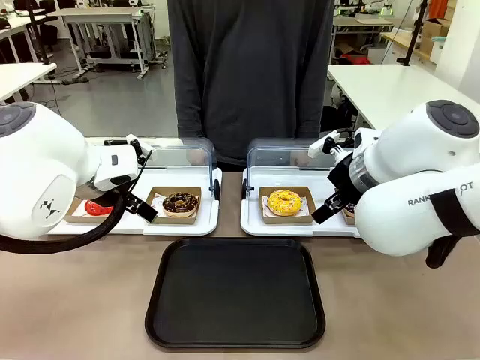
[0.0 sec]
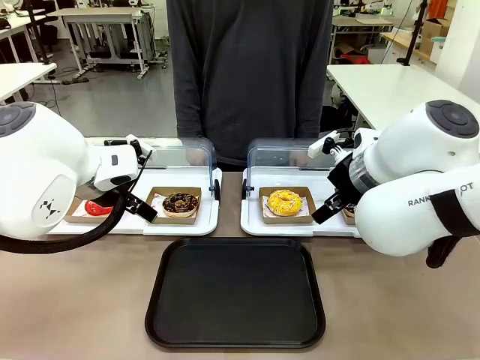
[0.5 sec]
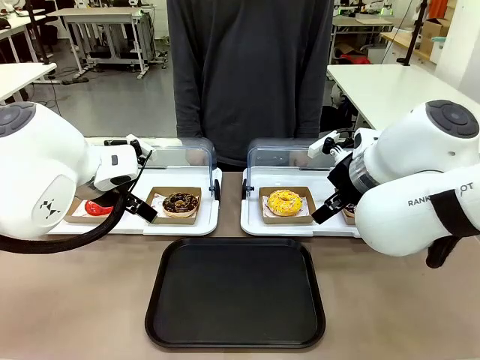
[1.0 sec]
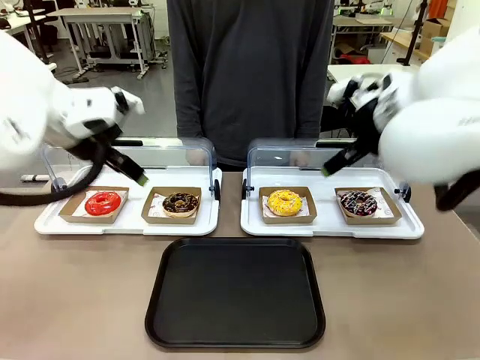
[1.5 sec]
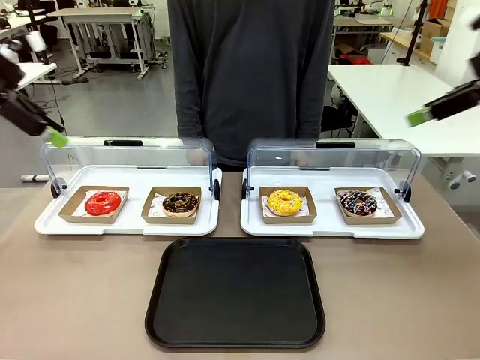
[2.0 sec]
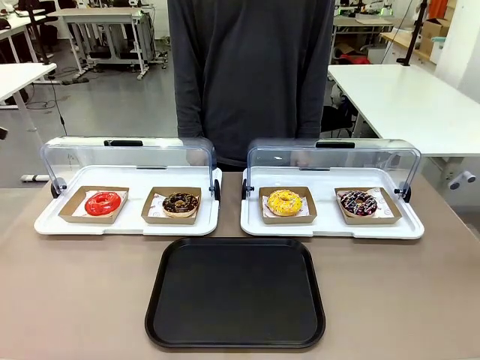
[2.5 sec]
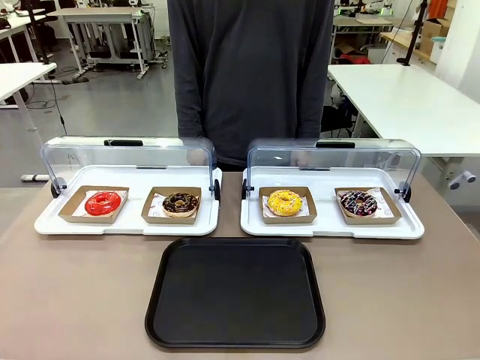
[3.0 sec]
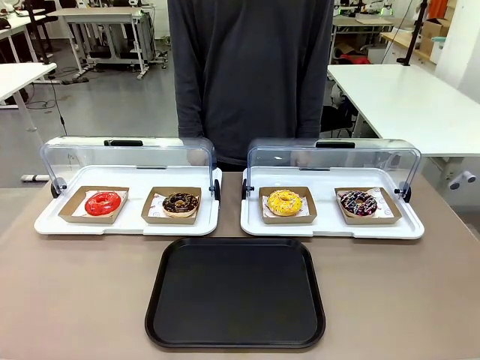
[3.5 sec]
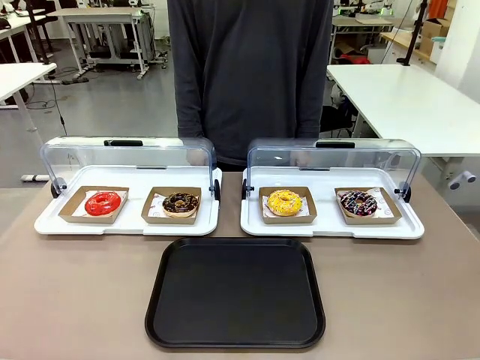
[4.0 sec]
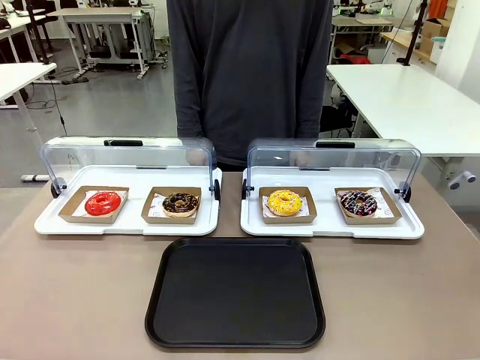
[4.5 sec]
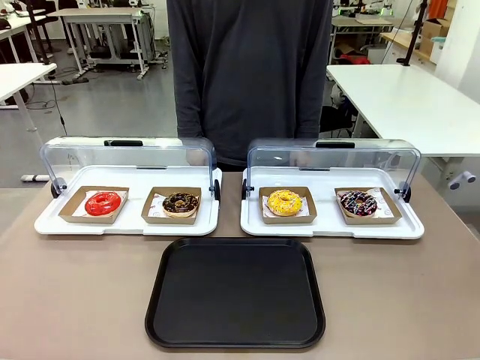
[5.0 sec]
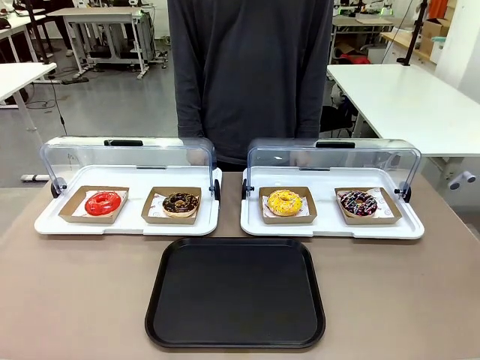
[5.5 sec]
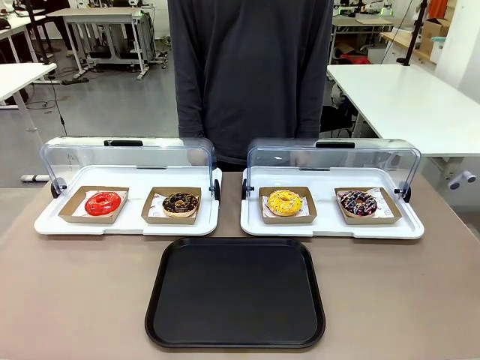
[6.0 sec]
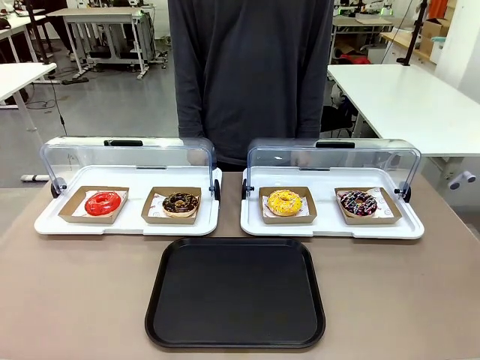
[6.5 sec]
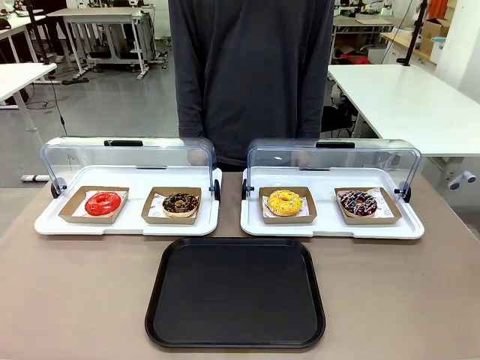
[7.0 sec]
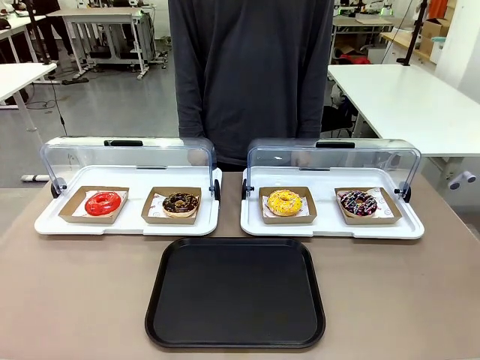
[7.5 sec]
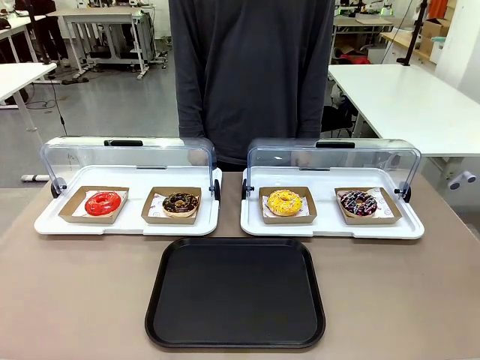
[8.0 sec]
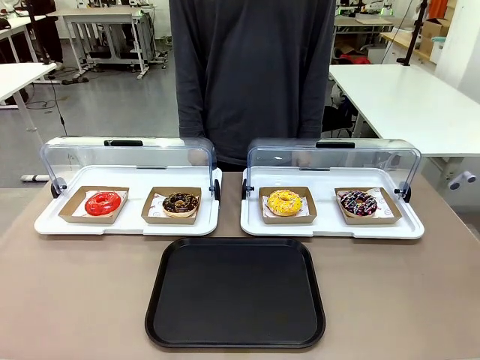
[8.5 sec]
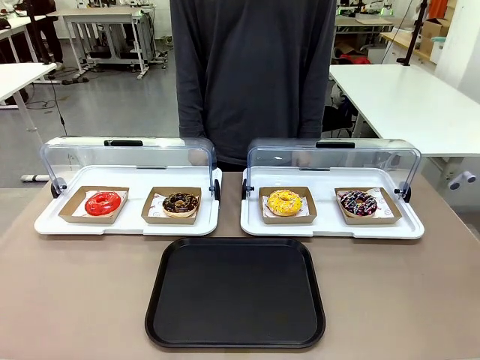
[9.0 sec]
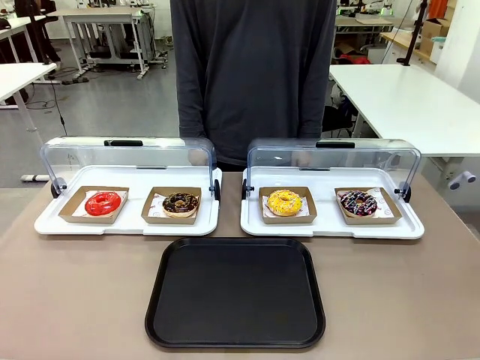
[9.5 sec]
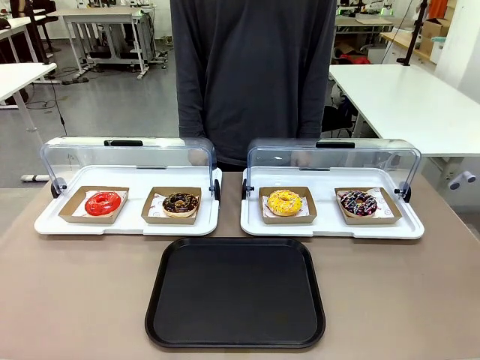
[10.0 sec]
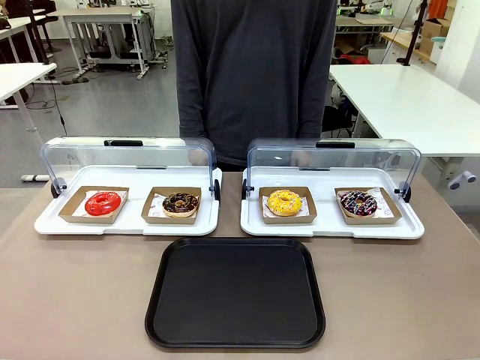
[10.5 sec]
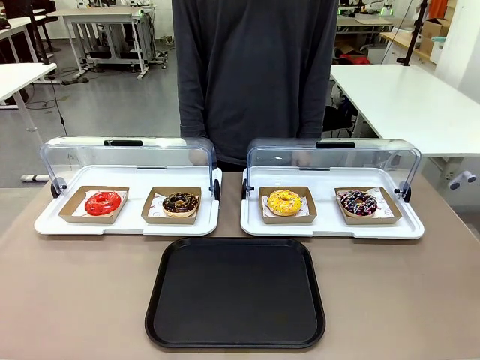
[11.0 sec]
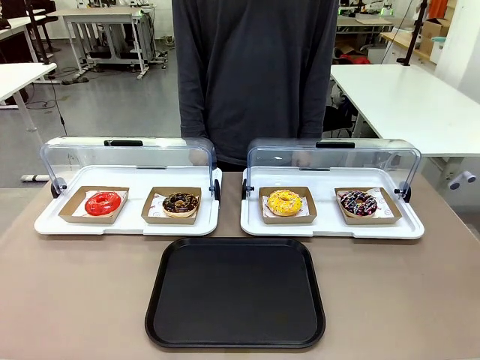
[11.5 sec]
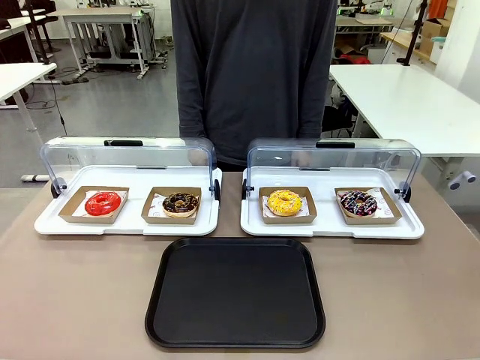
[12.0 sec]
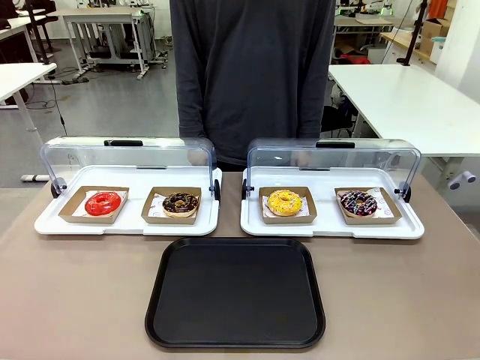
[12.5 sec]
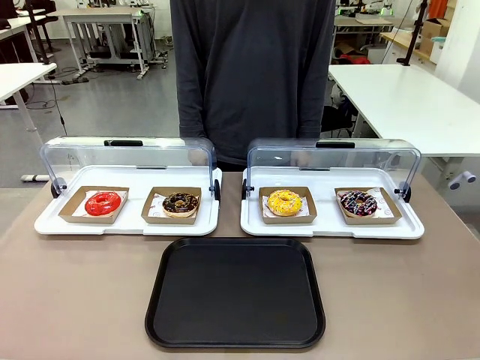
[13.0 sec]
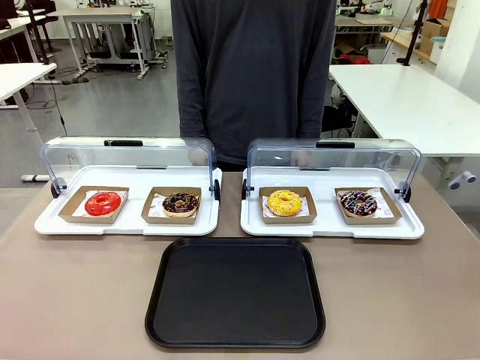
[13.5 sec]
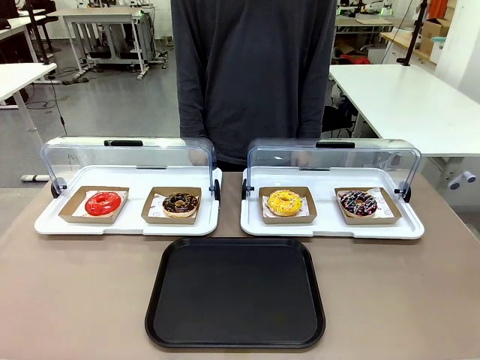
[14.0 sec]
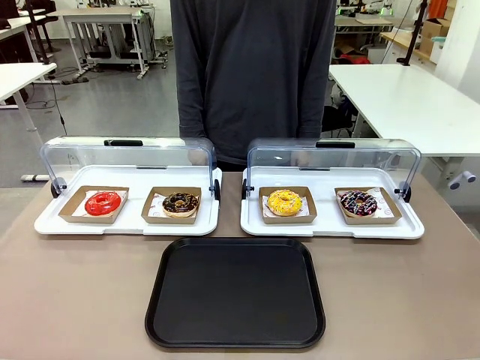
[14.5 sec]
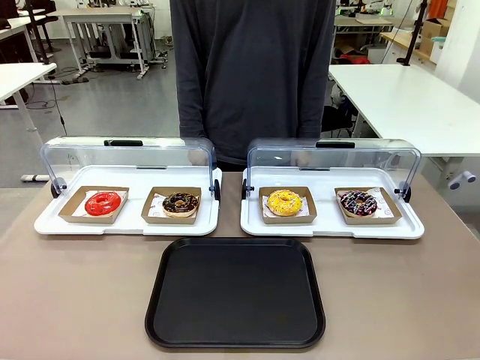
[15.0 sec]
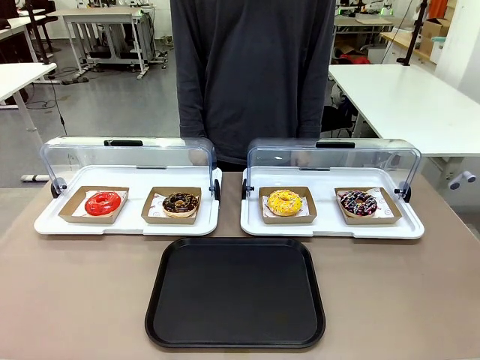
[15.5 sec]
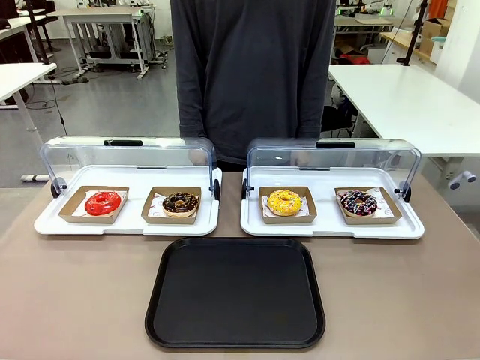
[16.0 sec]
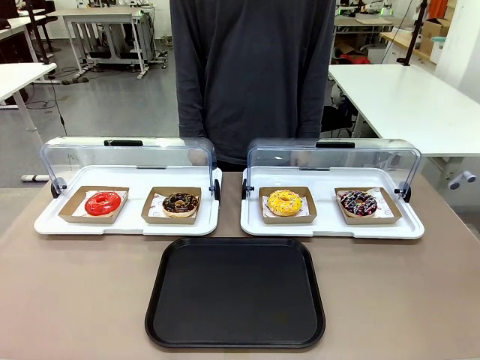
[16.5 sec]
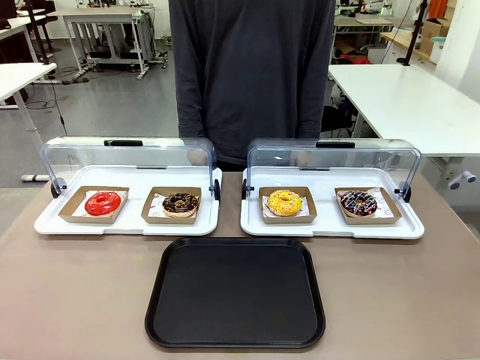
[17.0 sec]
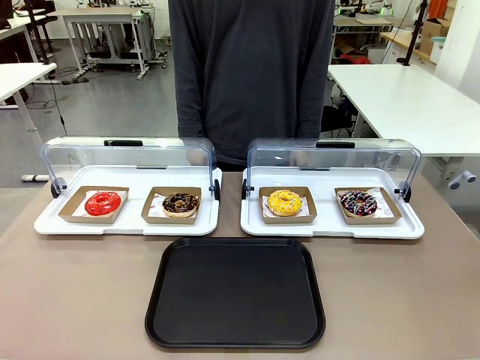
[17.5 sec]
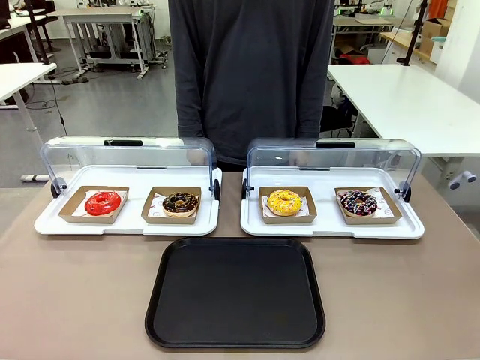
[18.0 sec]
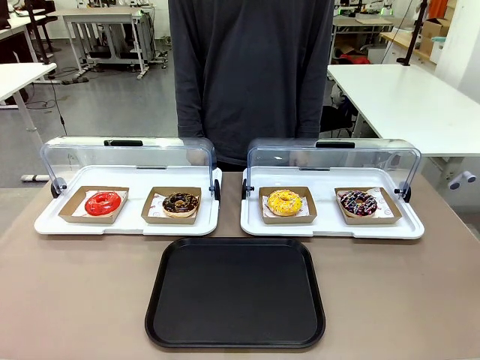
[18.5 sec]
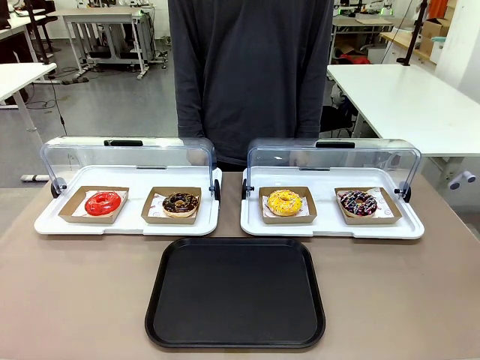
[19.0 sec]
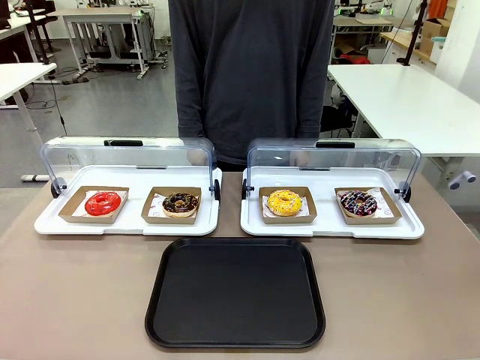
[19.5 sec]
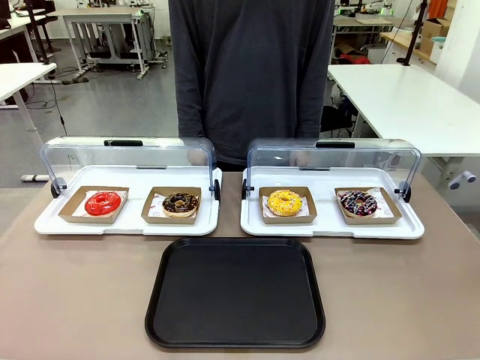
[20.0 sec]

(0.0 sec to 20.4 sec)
Task: Move the third donut from the left to the tray.
Robot: Pick up the Paper togo box containing the Donut indicated by the person and place it on the Handle tray.
